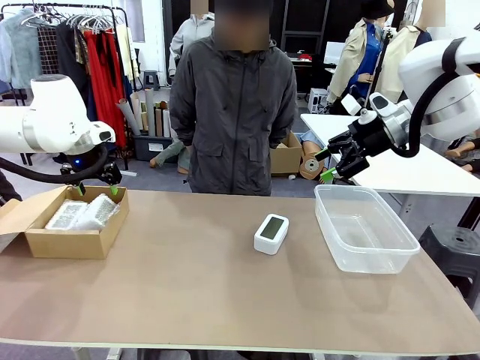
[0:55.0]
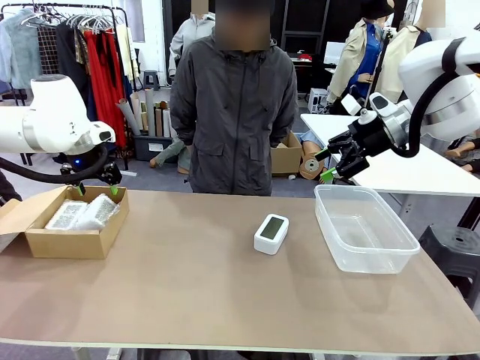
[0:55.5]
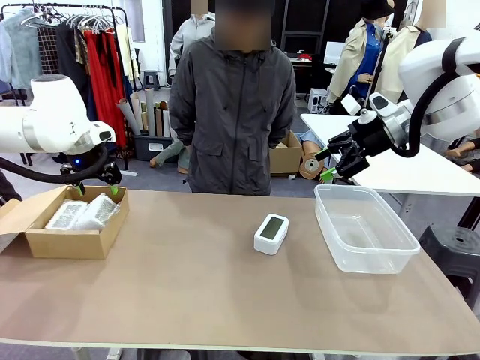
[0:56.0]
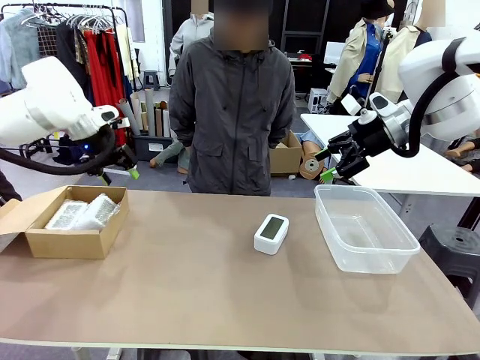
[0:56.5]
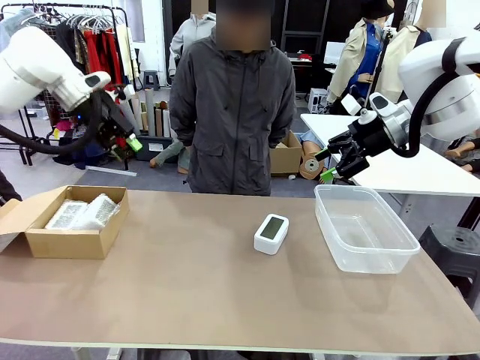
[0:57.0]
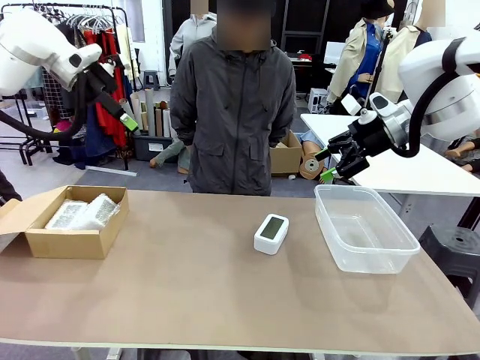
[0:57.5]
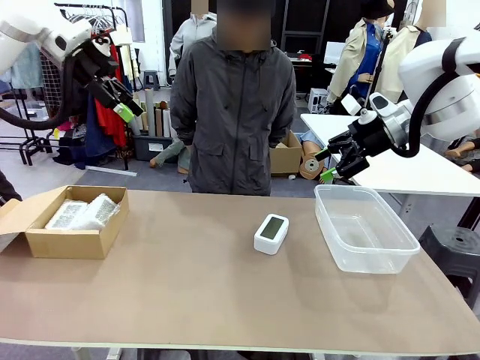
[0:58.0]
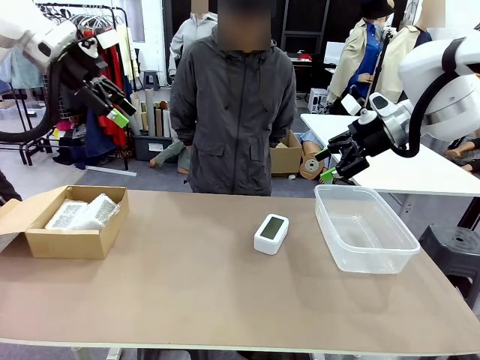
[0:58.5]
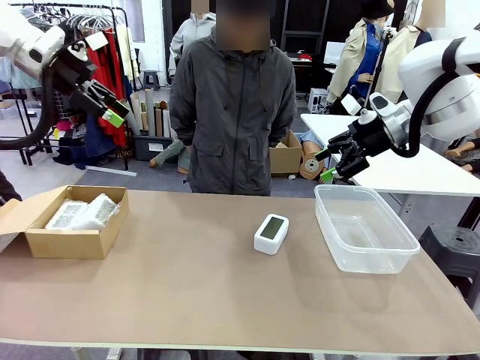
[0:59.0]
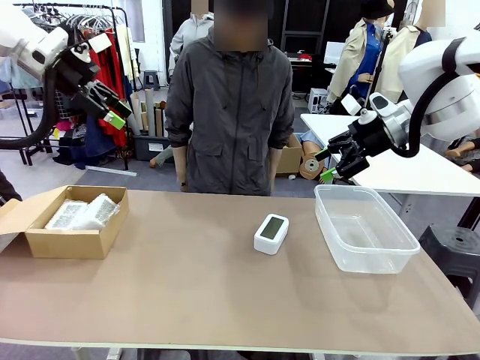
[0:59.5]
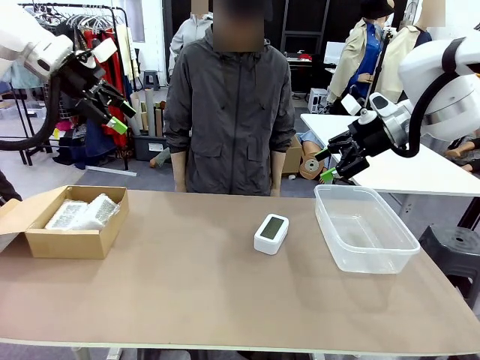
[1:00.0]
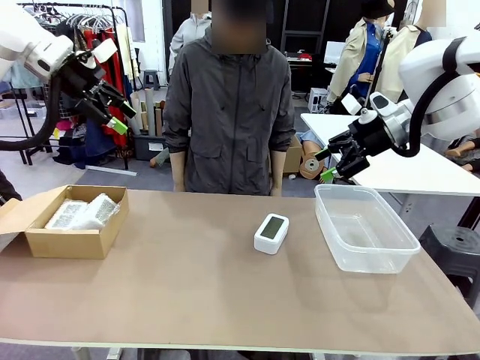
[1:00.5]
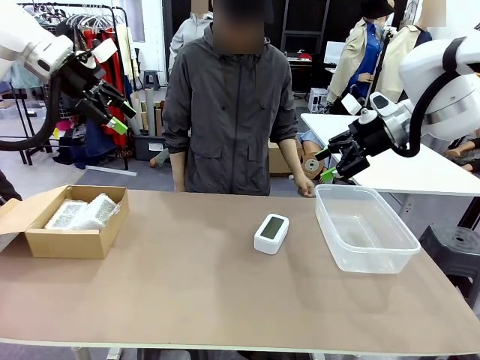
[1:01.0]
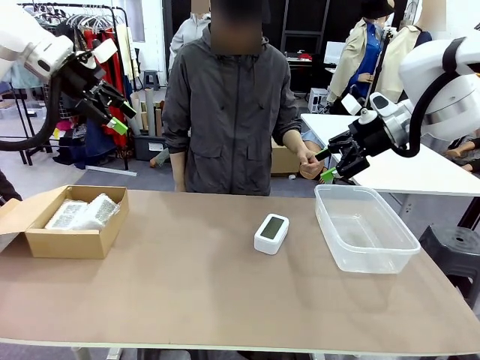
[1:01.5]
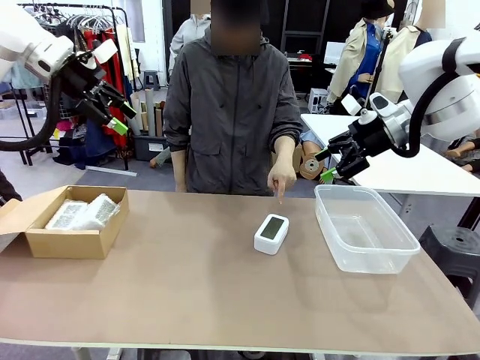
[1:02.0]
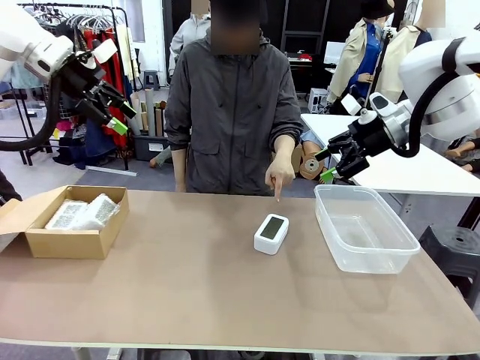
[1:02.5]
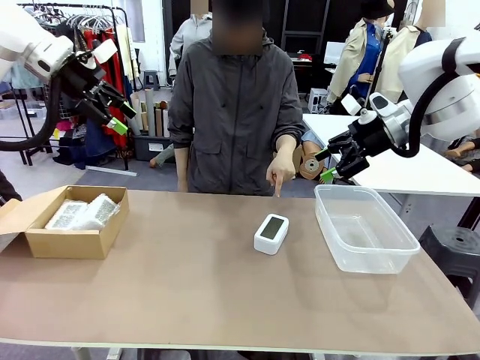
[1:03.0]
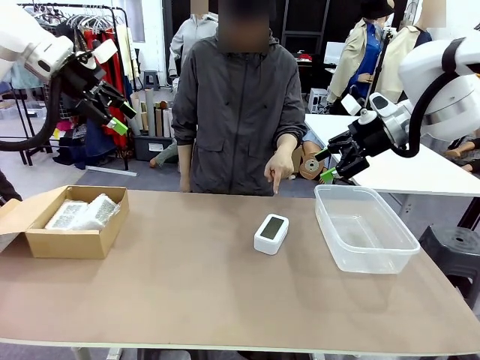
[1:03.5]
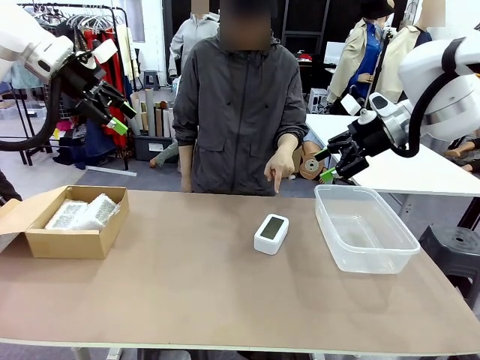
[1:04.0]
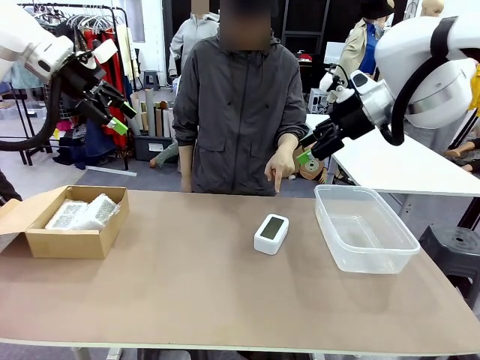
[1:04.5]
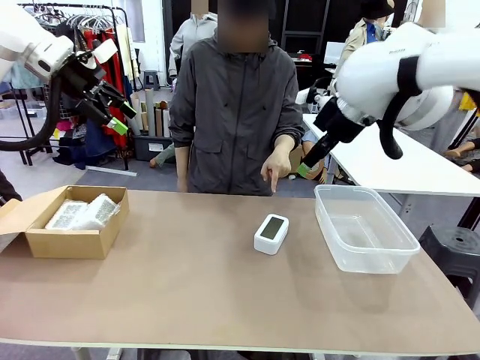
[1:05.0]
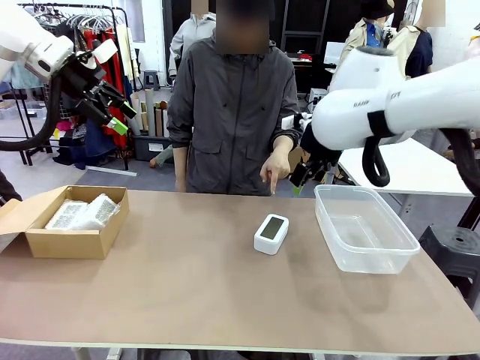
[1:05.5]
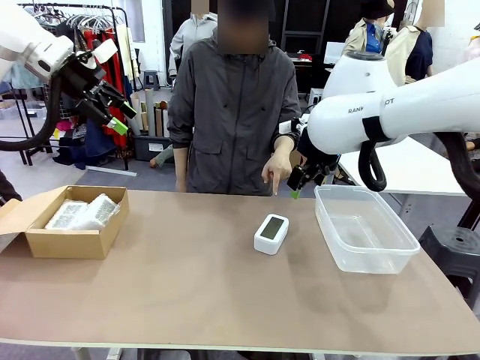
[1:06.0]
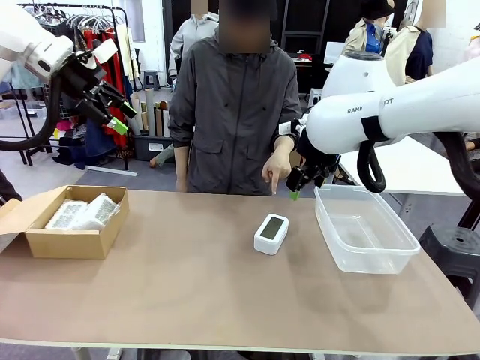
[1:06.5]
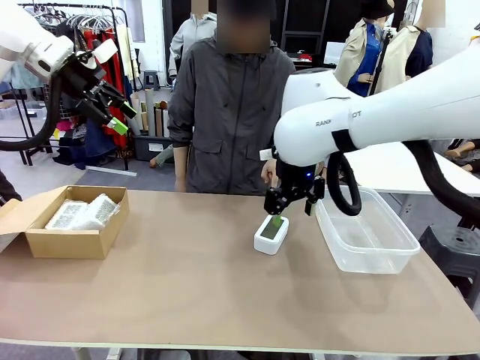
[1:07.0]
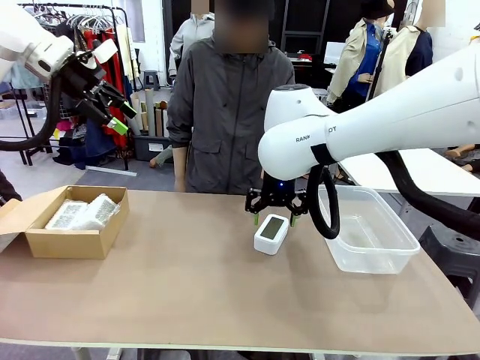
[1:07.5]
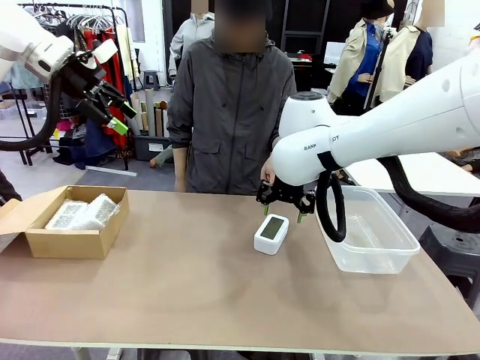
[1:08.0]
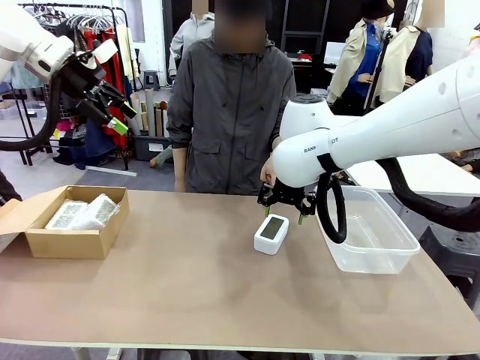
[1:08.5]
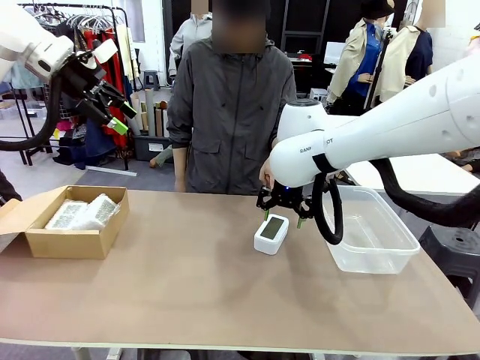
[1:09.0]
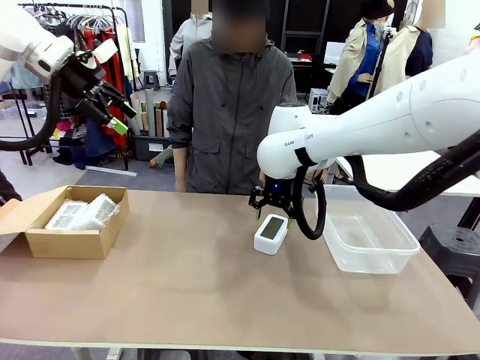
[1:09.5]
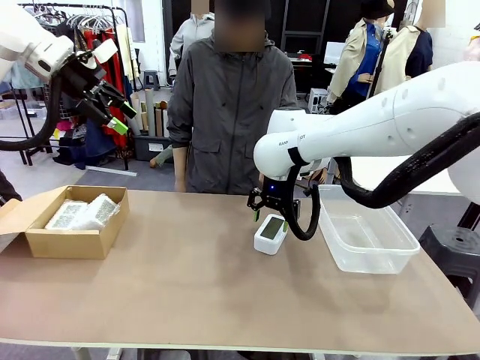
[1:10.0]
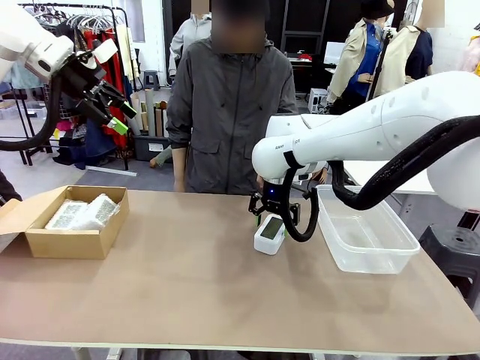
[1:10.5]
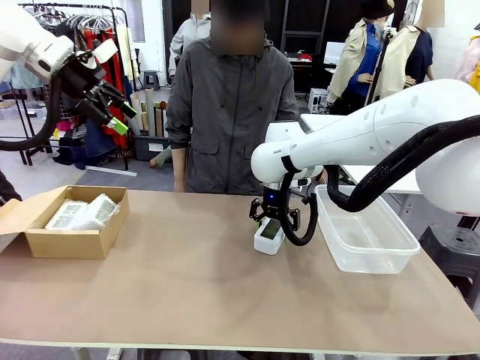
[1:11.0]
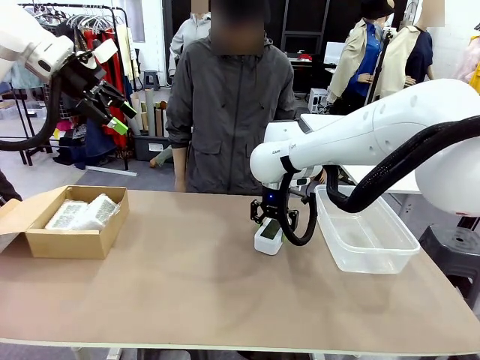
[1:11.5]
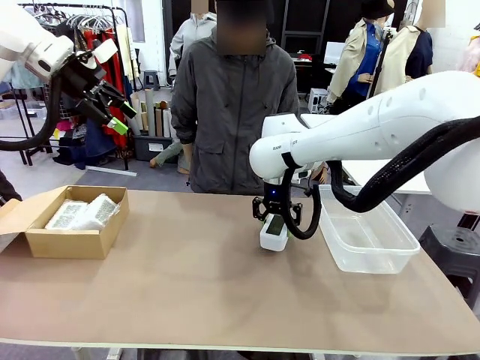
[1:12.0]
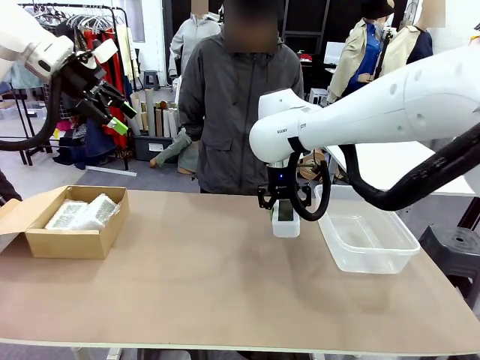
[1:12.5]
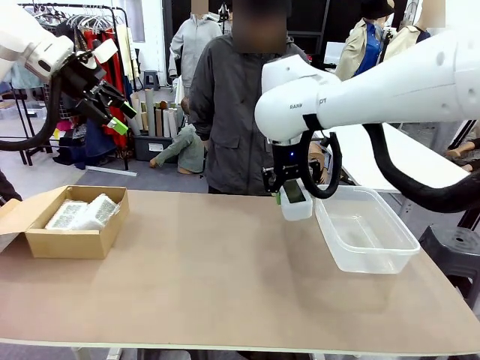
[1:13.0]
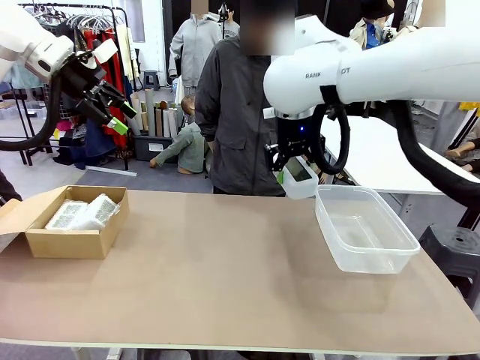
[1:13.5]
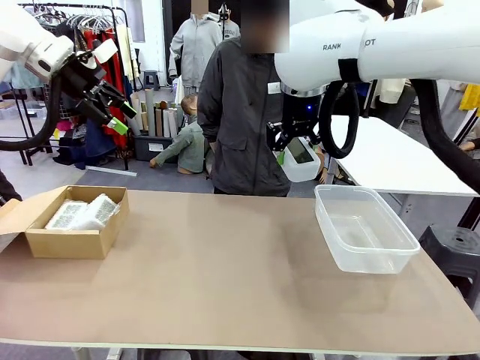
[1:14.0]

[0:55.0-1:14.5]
Task: Separate and place wrapped and unwrapped clocks.
Robot: Pick up the Digital clock indicated by the person.
